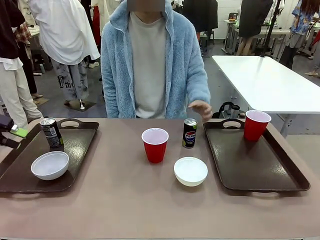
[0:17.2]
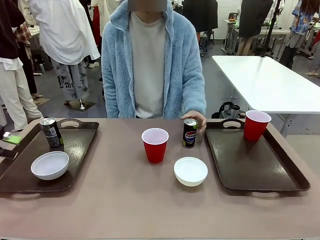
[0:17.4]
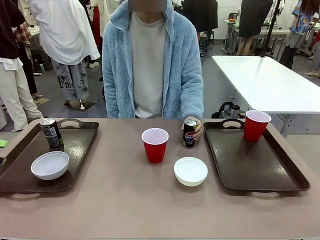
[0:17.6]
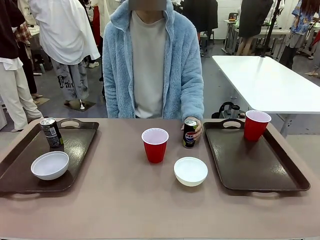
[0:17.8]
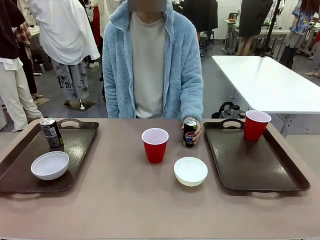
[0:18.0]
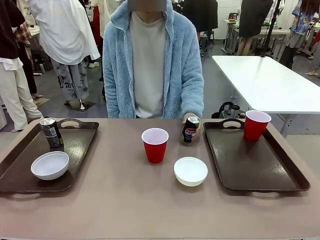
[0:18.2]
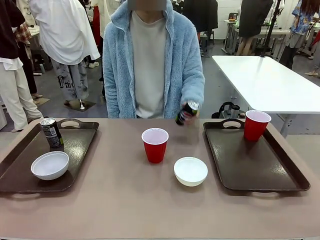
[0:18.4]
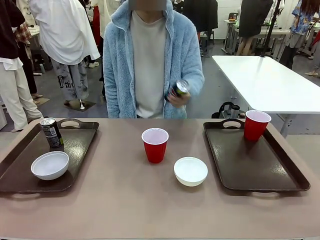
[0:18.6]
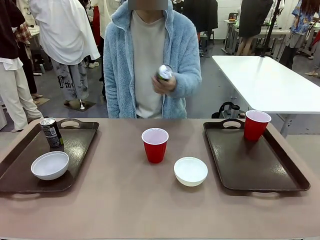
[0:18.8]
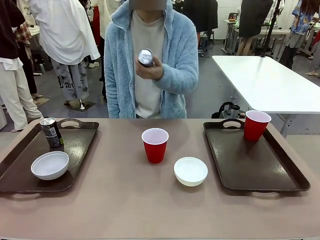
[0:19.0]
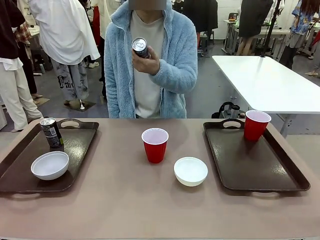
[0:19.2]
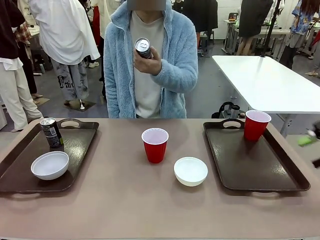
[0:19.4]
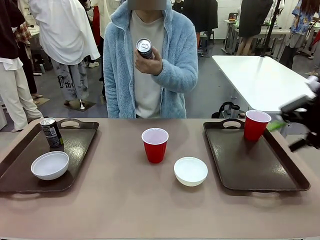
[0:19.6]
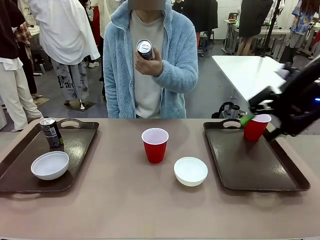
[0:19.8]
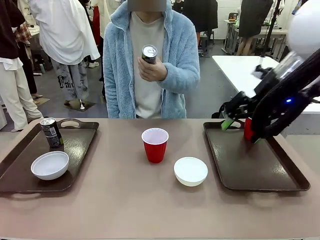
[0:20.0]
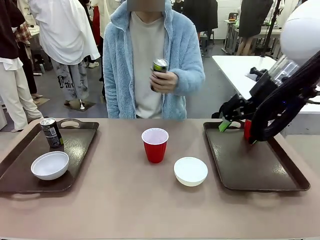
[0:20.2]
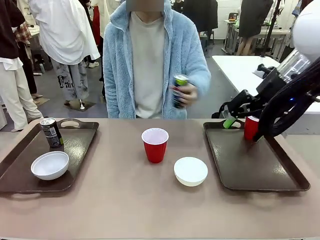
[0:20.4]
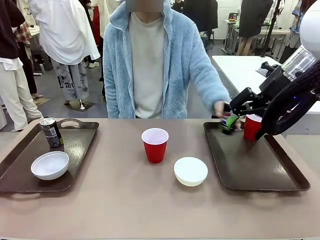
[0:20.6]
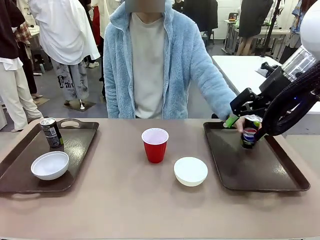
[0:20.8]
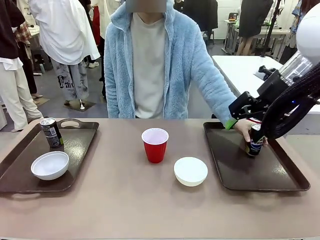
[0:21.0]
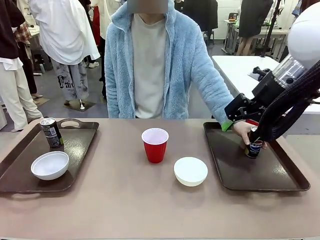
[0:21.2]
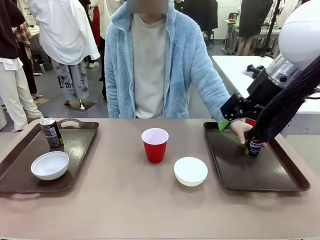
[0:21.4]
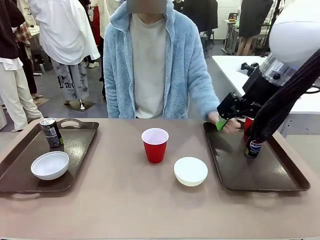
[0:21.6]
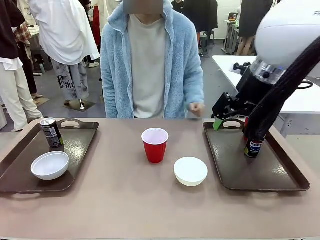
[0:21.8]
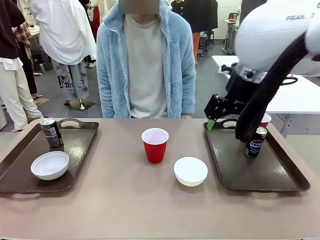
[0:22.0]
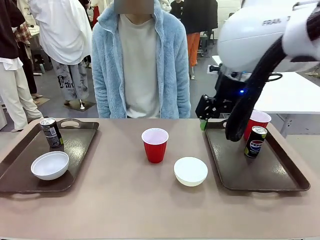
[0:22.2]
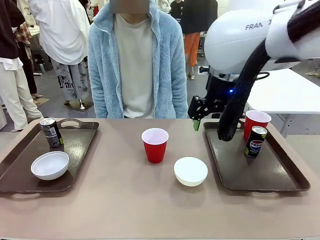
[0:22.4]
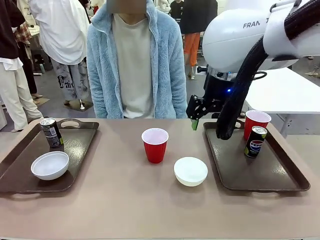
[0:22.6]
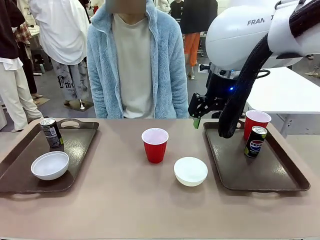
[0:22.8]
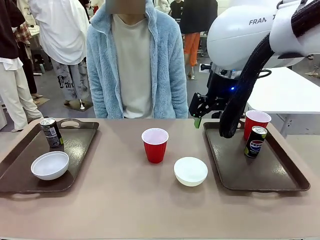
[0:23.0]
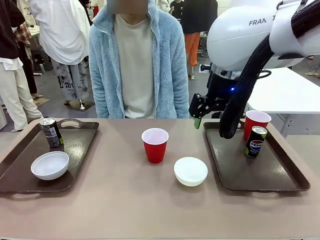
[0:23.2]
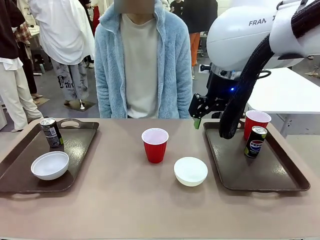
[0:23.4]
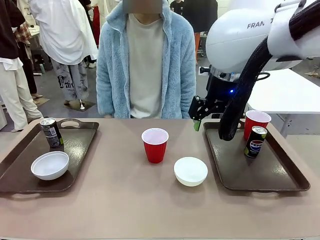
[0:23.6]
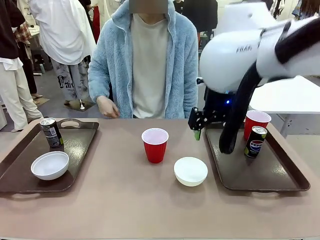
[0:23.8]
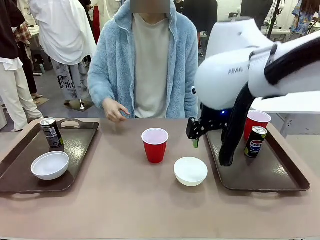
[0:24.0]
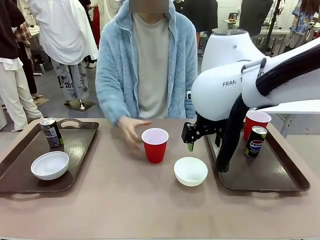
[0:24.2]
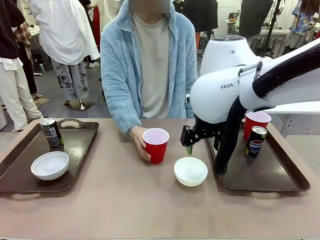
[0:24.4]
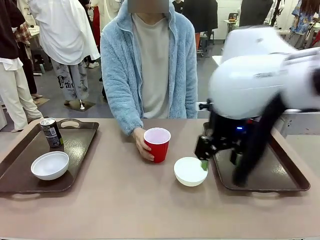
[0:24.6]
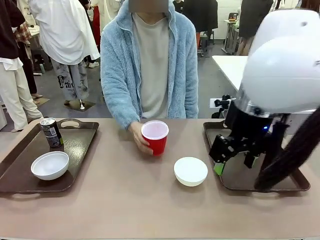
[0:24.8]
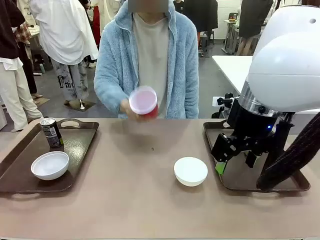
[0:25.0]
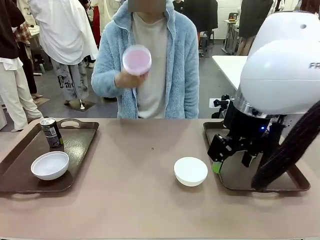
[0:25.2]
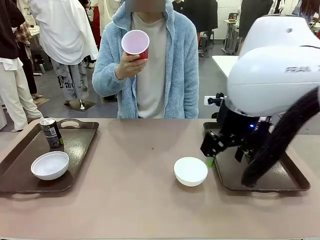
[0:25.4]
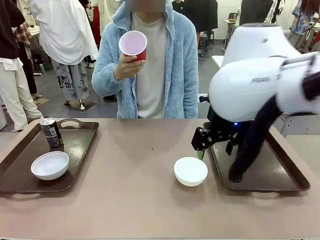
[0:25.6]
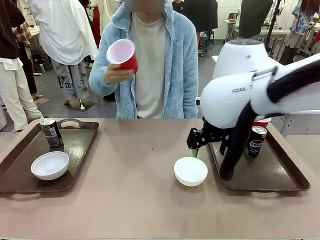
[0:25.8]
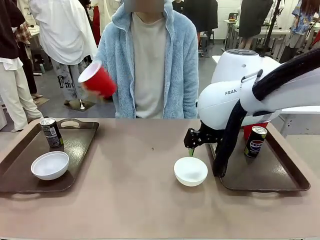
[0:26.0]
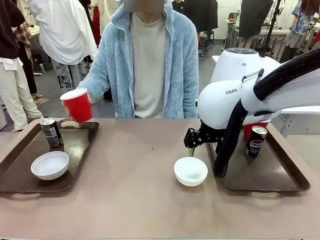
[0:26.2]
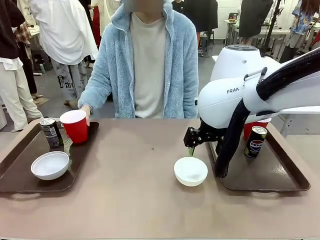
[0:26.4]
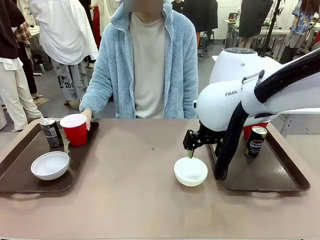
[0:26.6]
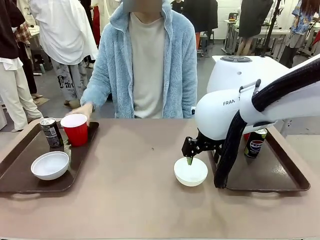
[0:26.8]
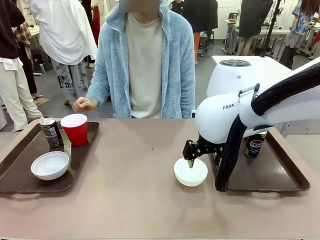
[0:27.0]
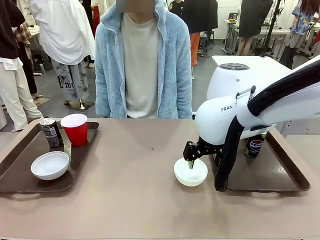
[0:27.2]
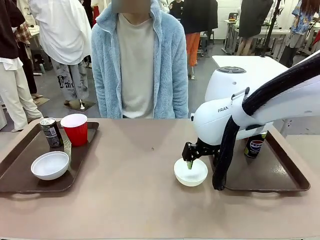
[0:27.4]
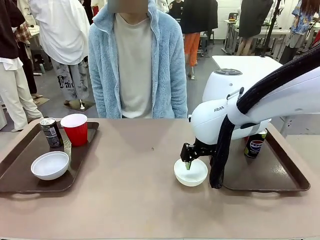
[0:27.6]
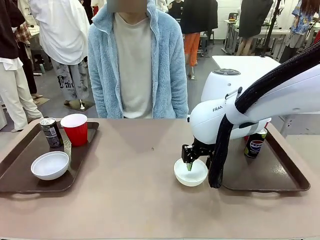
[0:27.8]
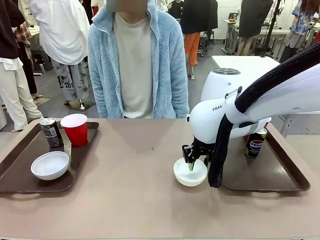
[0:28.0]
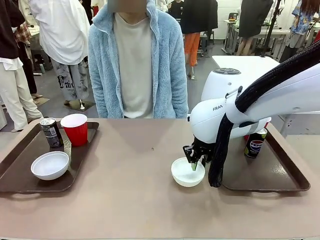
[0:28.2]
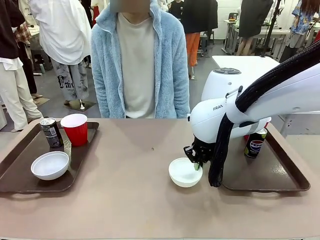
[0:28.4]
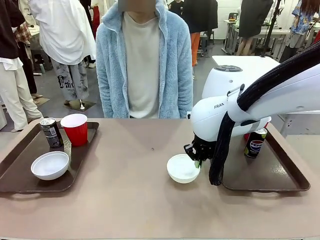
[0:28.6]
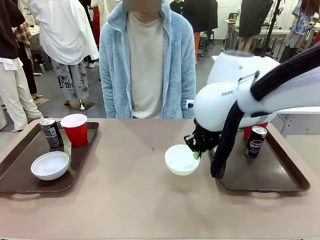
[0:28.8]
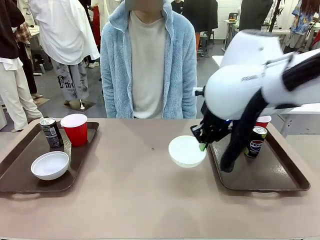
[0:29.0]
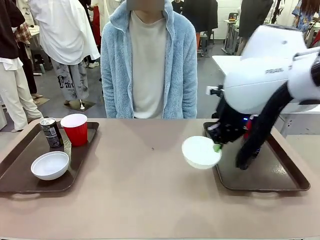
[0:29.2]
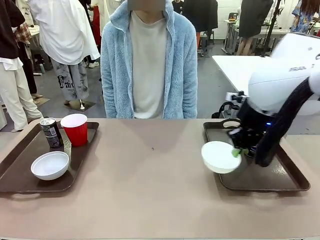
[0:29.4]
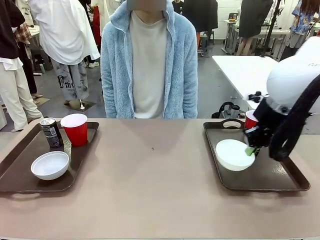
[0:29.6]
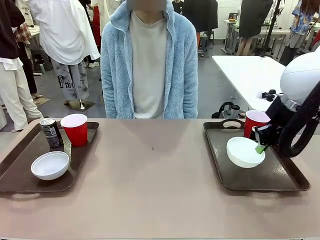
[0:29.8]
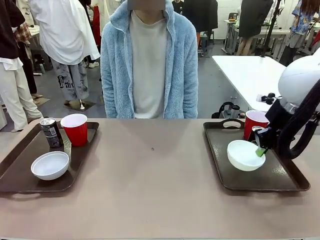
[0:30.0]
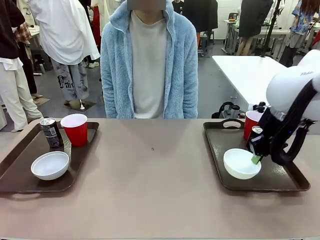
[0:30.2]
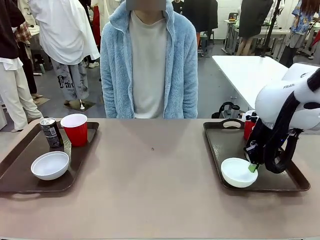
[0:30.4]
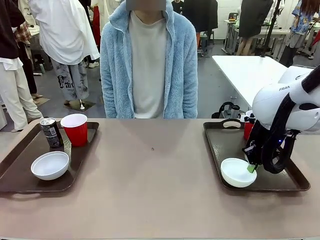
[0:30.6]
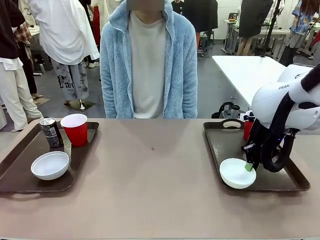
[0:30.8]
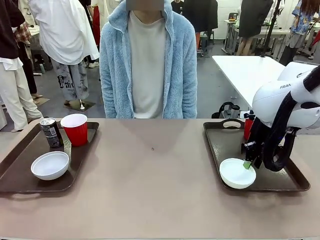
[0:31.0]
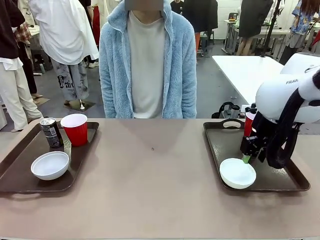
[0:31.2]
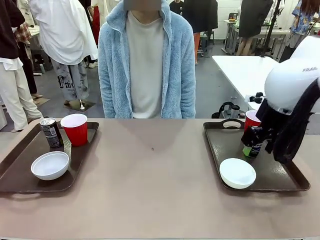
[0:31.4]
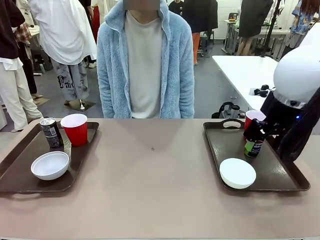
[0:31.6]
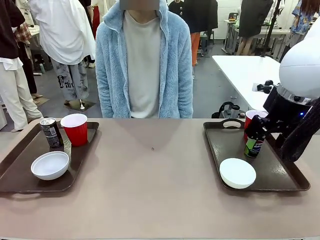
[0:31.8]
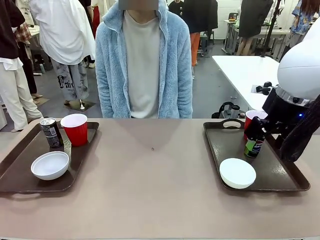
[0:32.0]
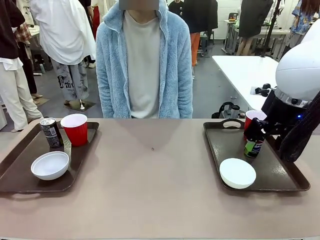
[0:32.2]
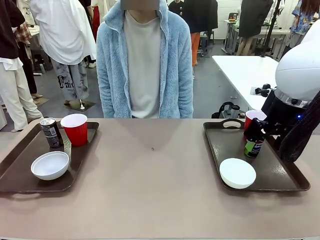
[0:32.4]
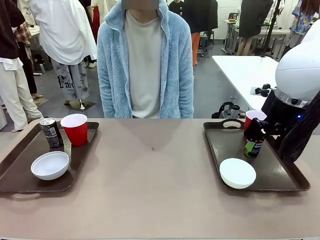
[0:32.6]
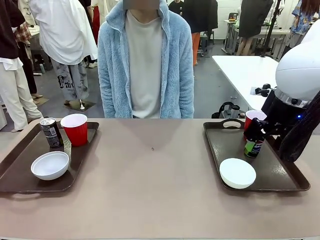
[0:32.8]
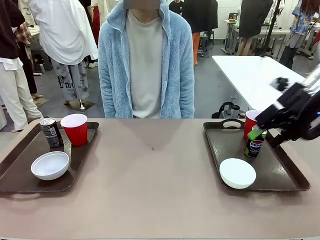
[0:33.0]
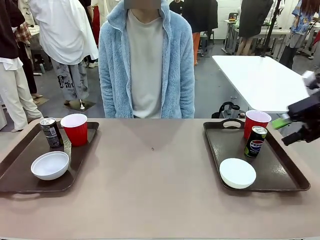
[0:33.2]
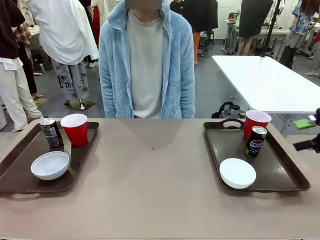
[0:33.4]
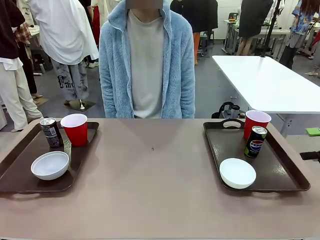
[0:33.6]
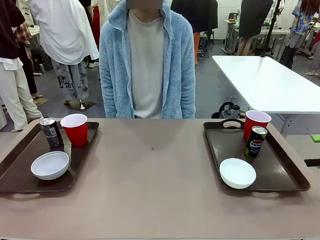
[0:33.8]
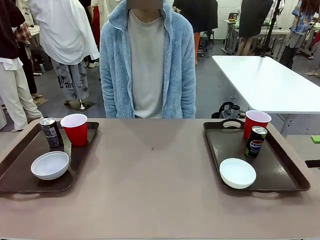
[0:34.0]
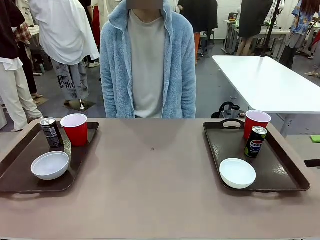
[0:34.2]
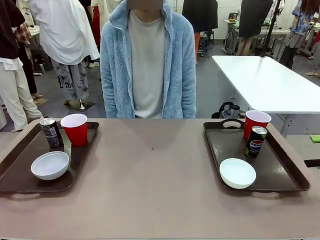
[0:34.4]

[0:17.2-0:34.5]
Task: Prepare tableware on both trays.
Robot: Pick up a Picnic Bowl from the table and place it on a Handle tray.
Person: Pick up a can or cup and place it on the tray without a can or cup.
